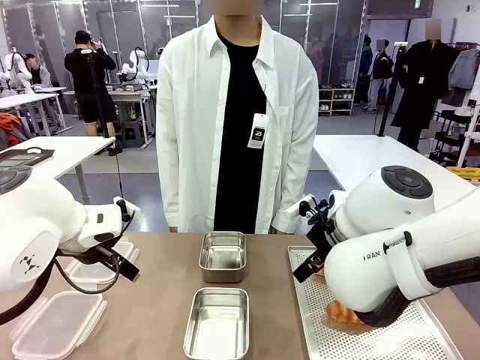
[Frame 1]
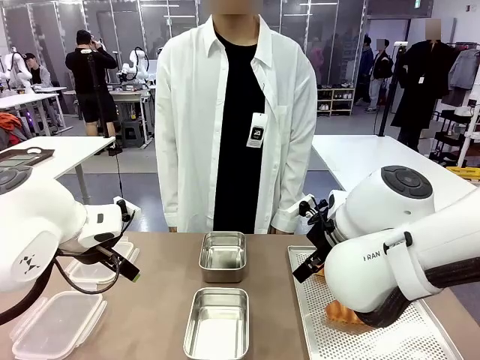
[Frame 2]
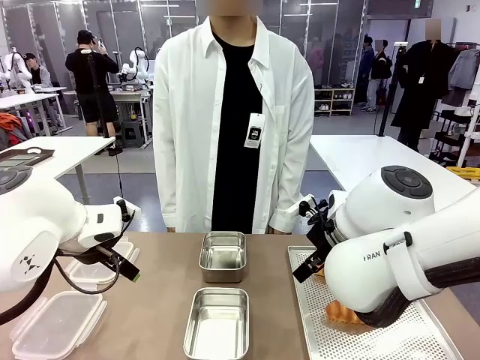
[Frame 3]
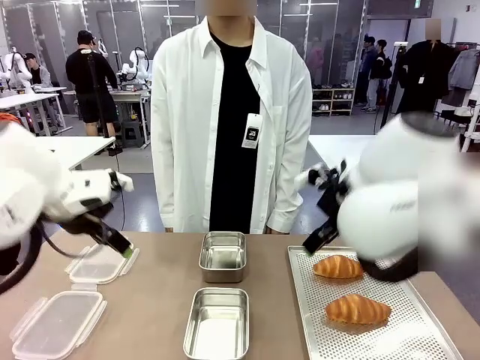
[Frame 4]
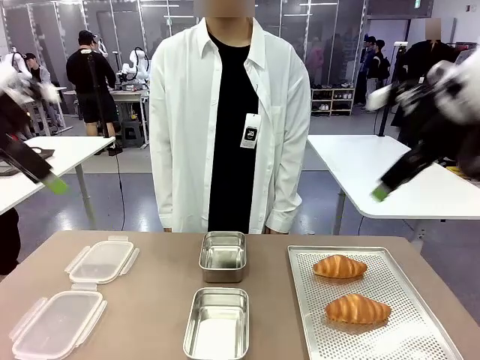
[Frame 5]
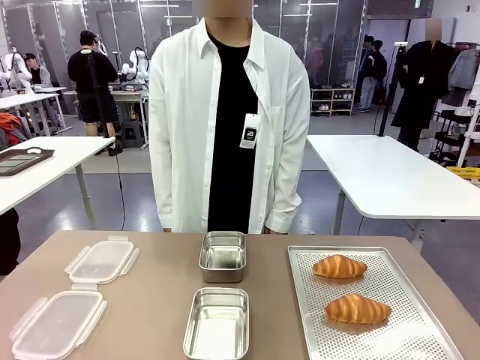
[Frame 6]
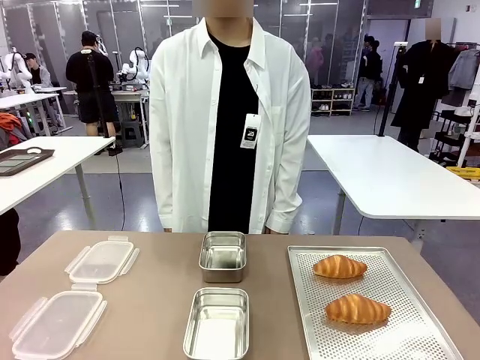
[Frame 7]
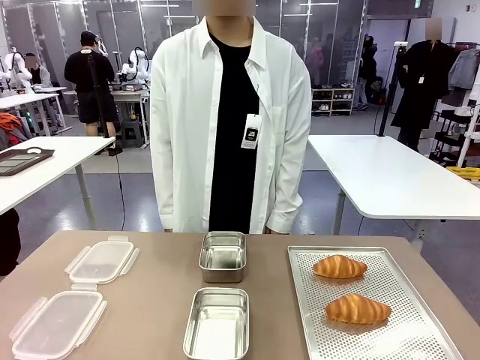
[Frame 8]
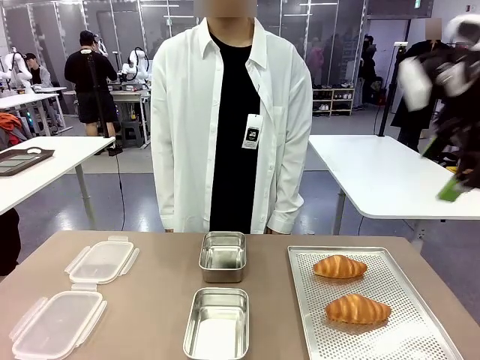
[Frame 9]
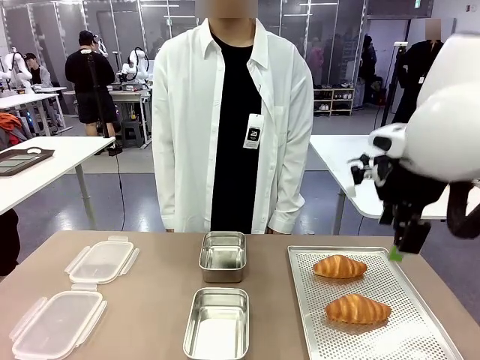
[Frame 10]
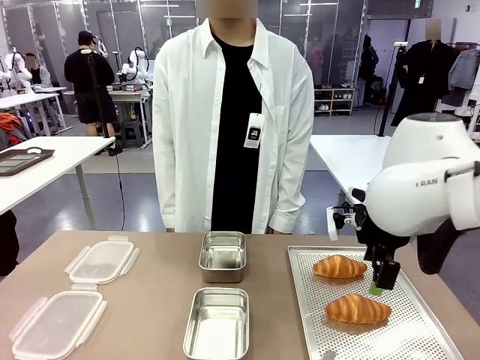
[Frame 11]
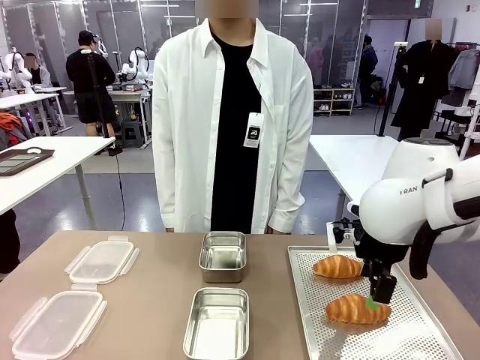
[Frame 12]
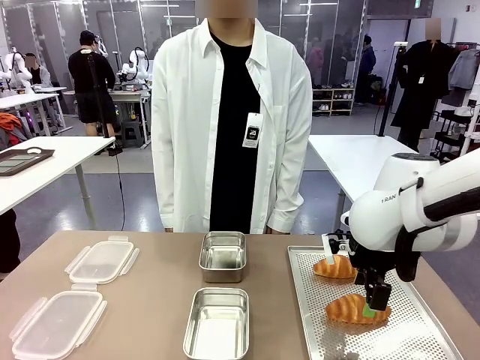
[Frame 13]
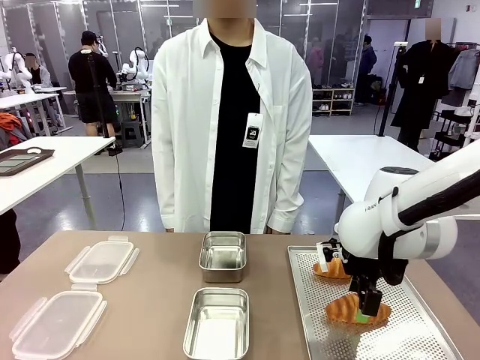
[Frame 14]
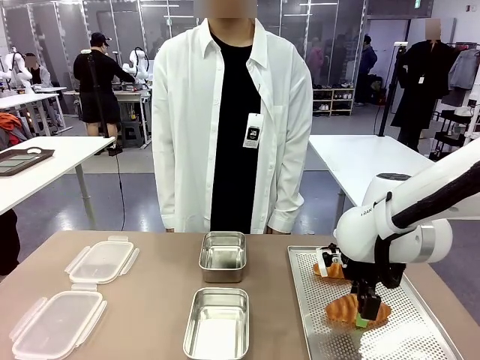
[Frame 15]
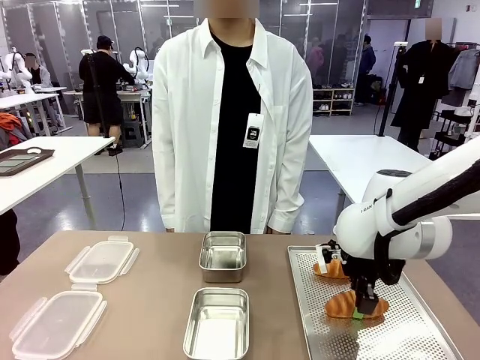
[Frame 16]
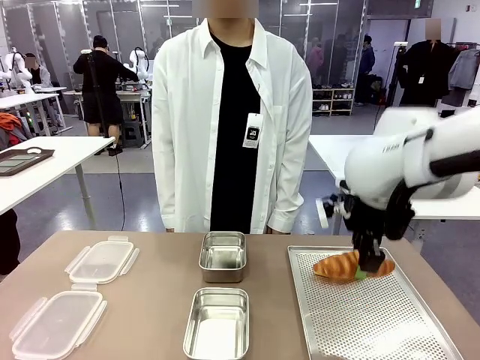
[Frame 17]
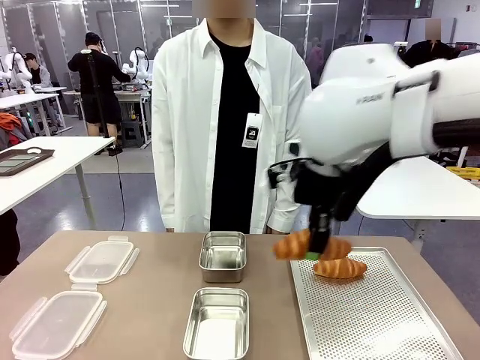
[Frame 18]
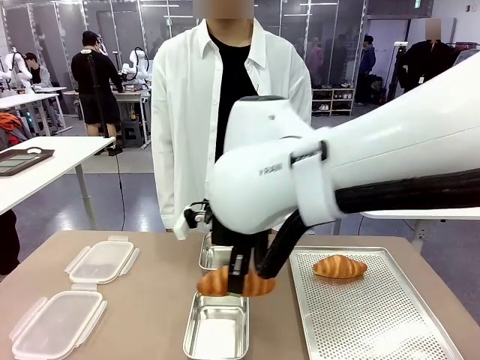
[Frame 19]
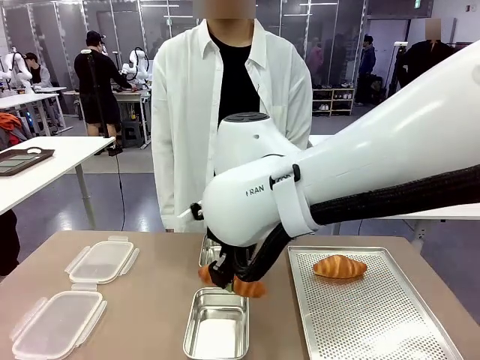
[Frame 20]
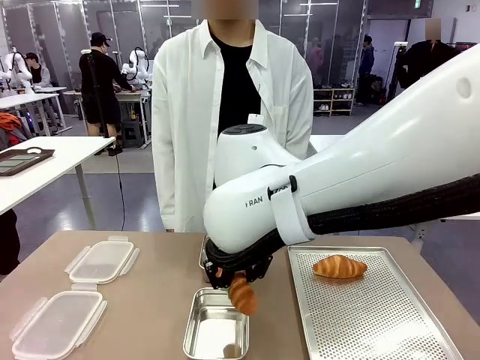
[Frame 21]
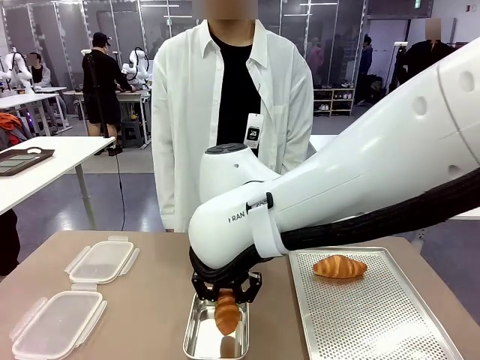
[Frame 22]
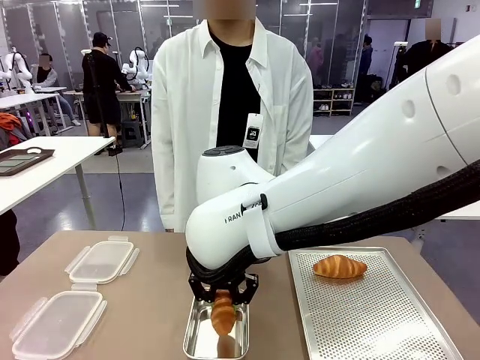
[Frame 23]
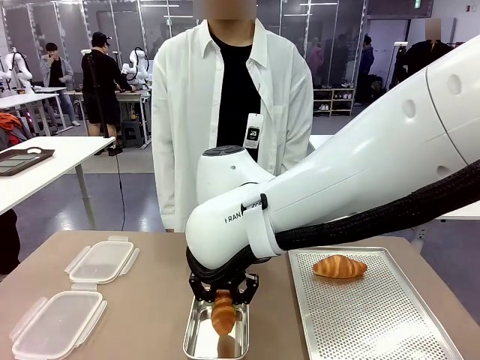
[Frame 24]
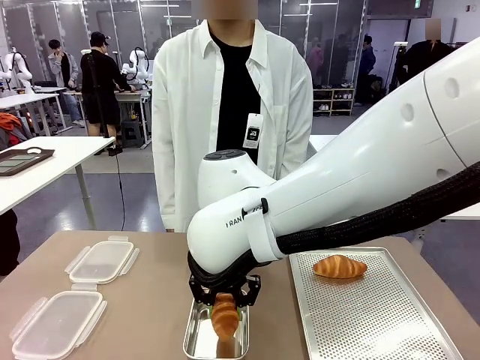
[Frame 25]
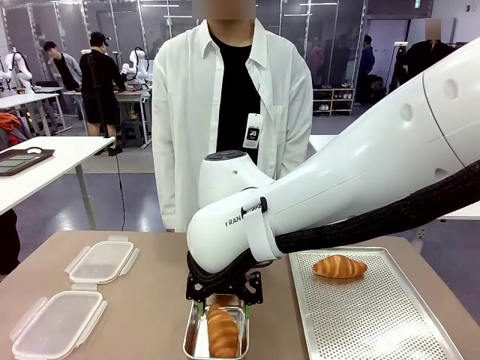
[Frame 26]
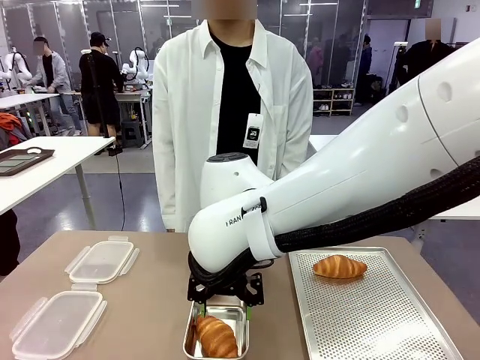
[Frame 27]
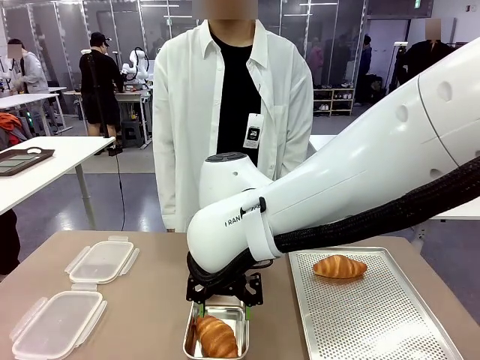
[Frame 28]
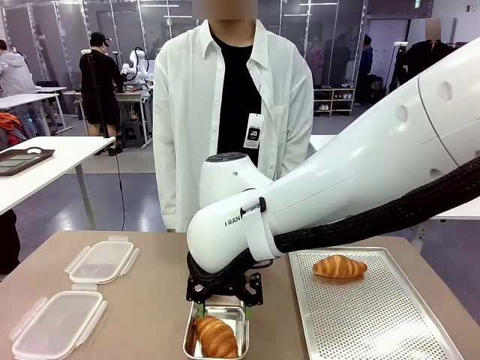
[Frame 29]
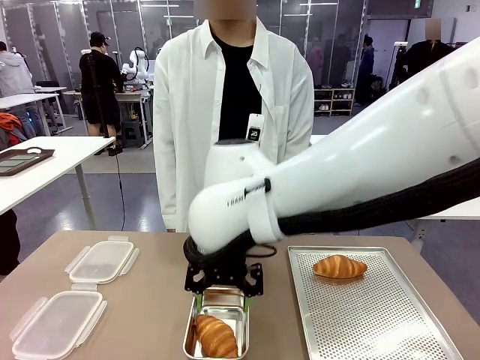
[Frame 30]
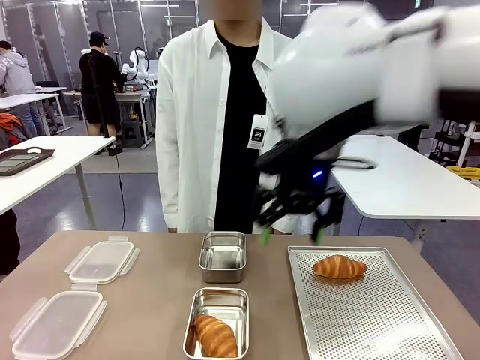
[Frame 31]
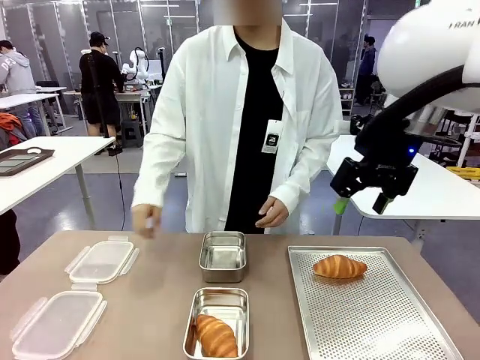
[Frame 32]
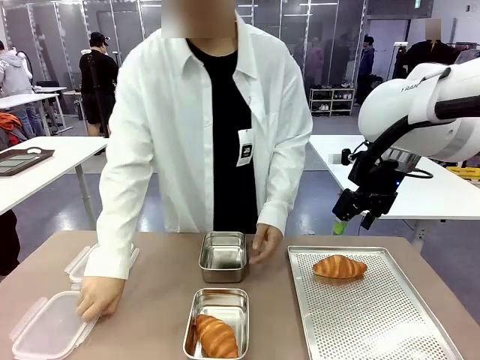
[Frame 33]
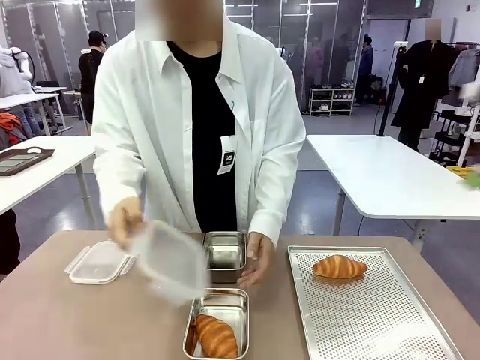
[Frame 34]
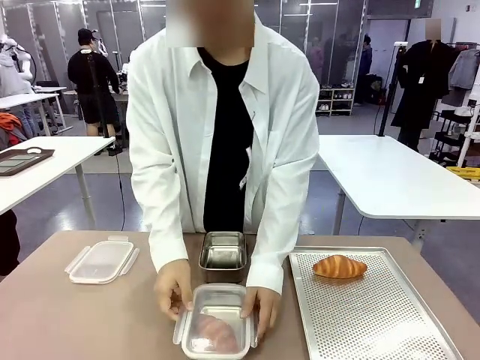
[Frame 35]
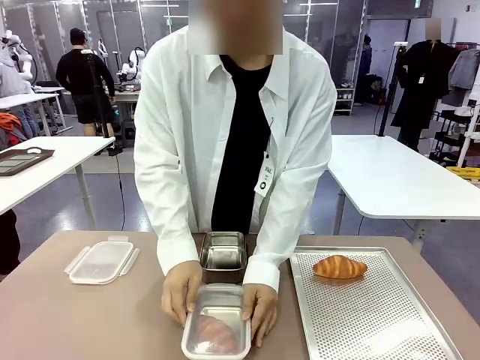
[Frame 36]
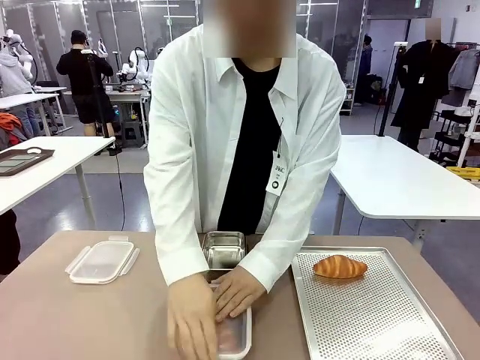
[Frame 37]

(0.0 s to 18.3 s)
Task: Place the bread into the airtight container.
Robot: Pick up a Butter Roll and place it into an empty Airtight Container.
